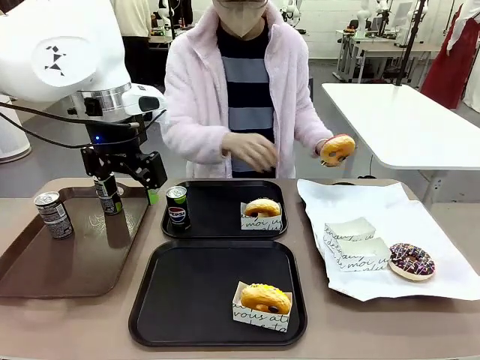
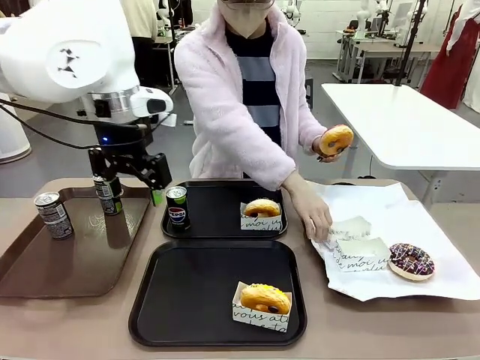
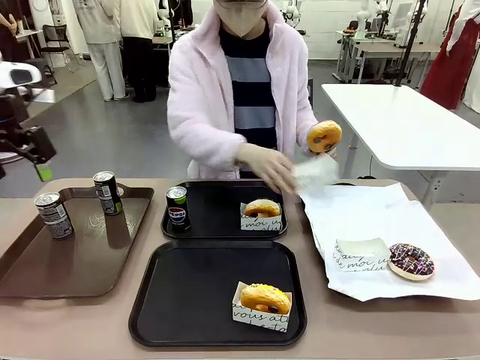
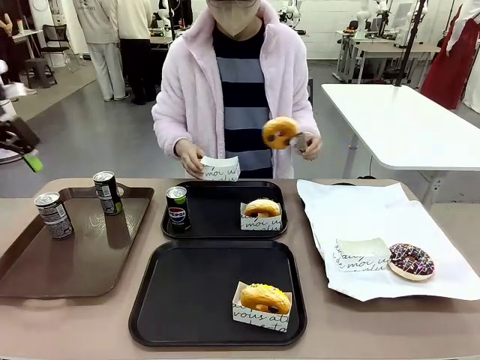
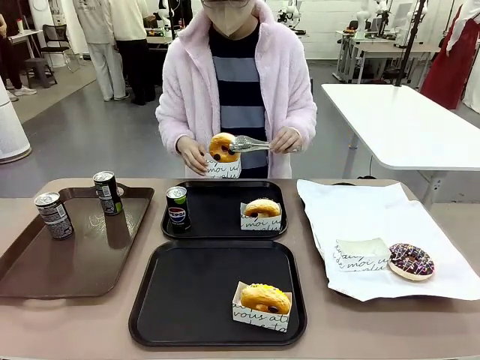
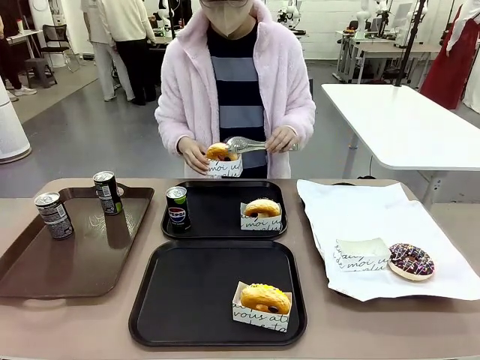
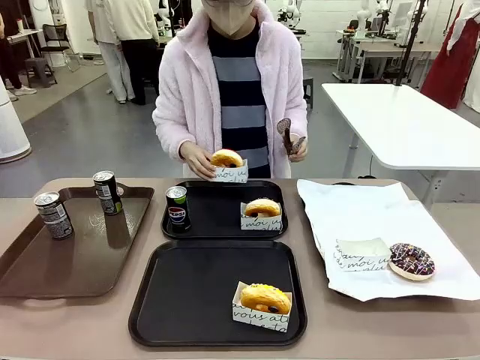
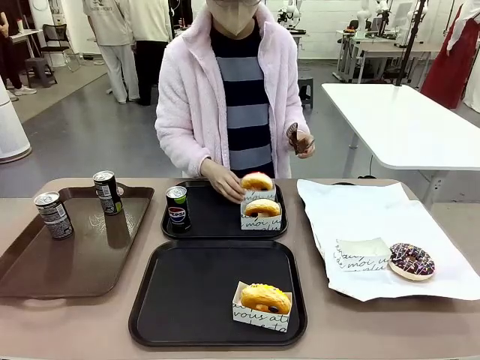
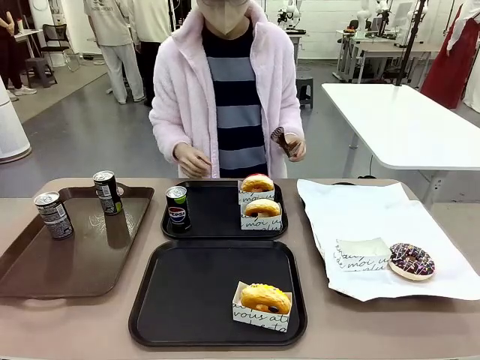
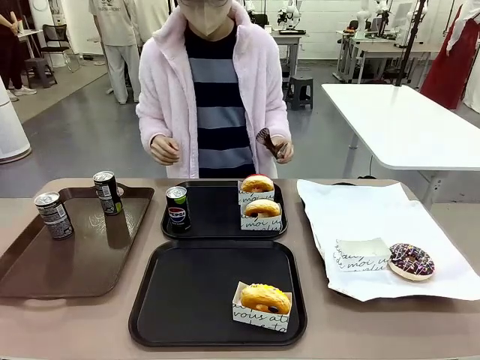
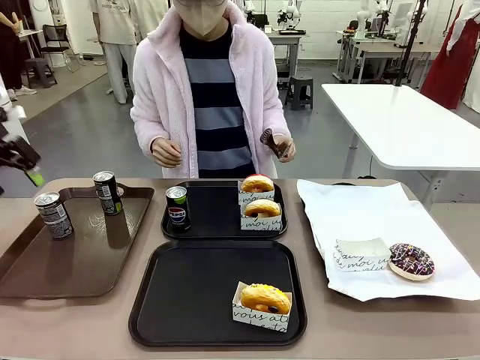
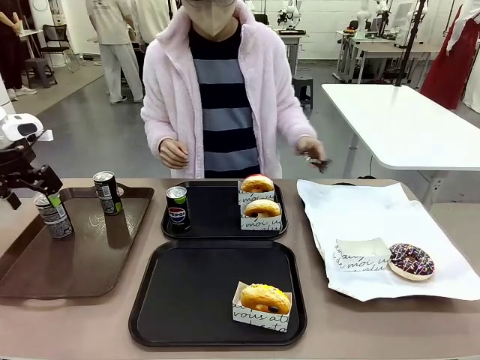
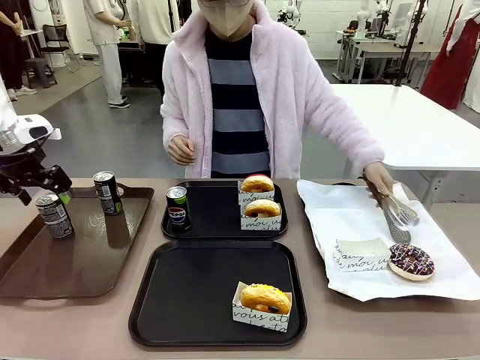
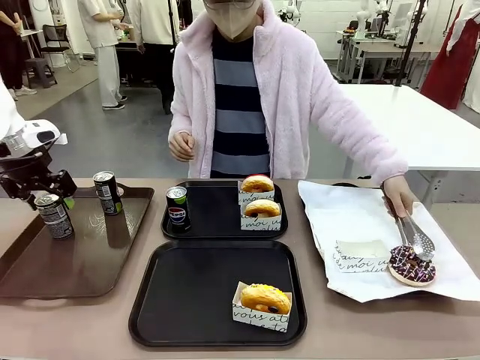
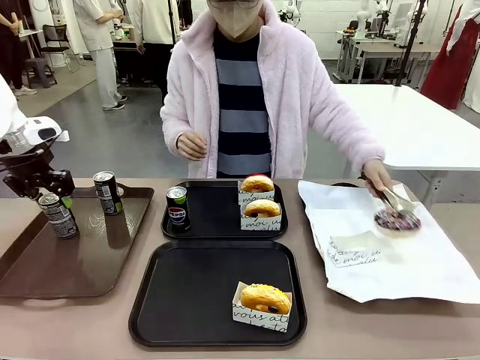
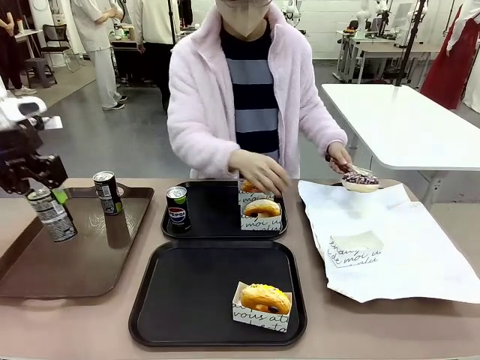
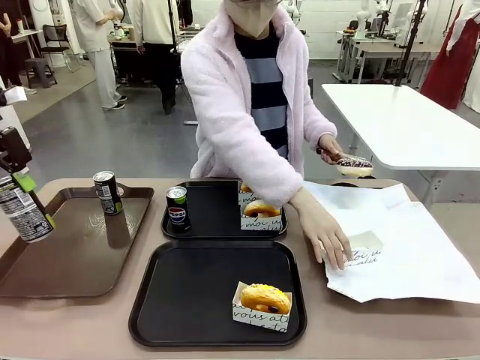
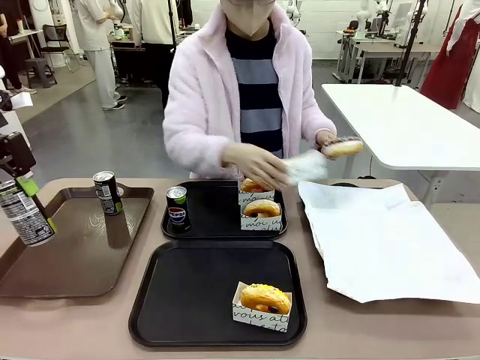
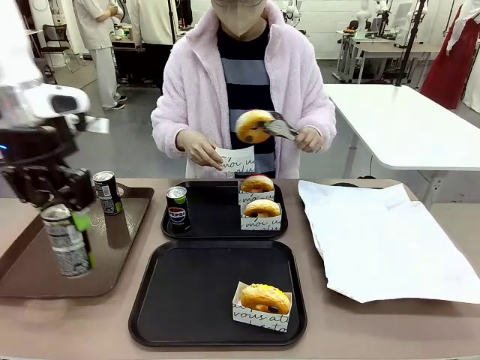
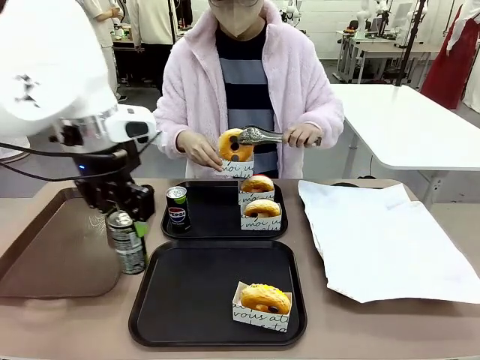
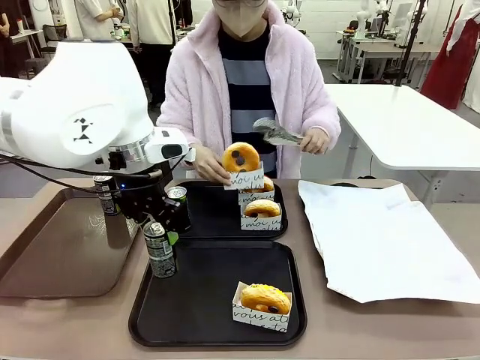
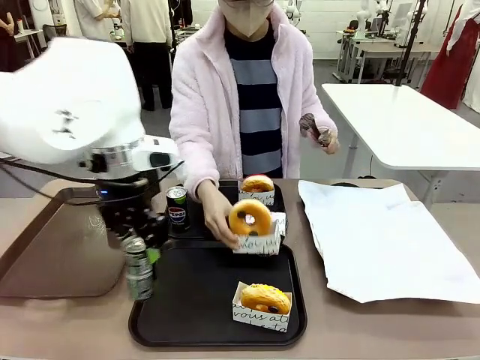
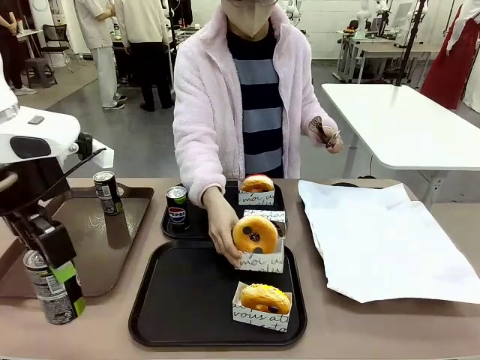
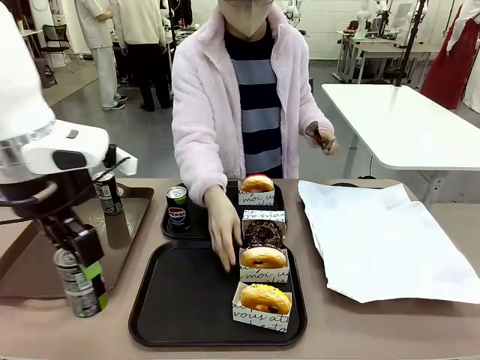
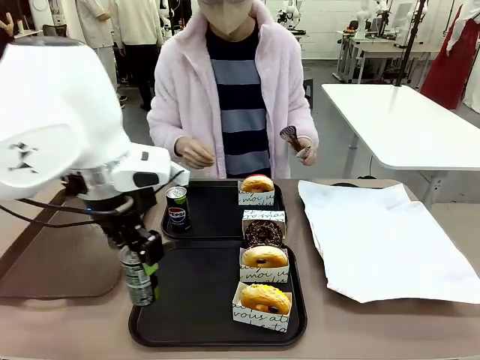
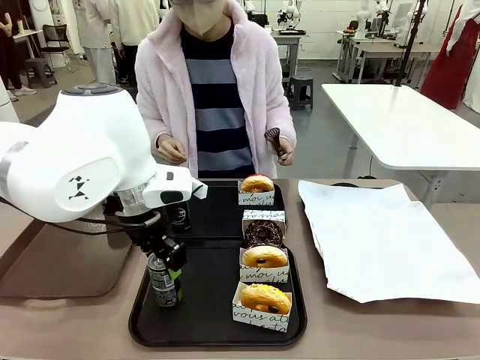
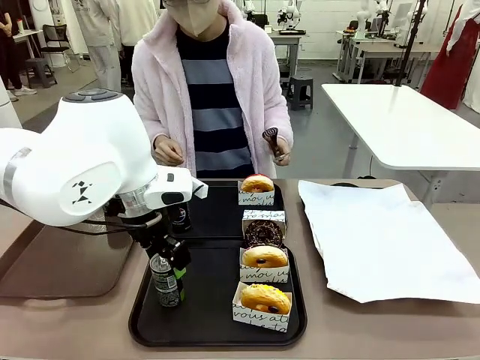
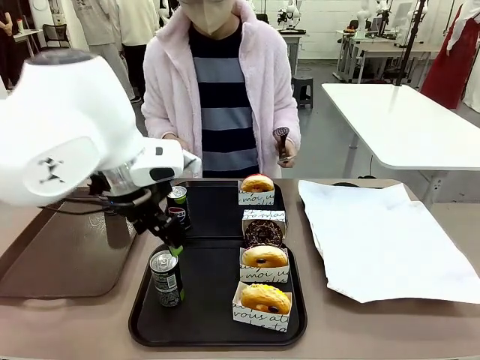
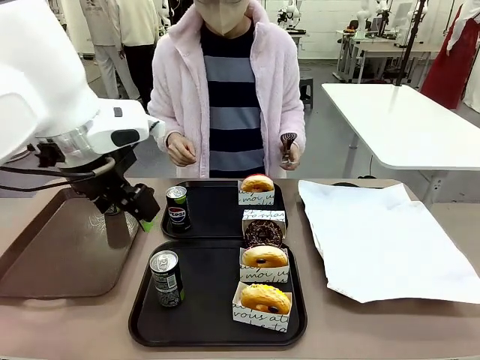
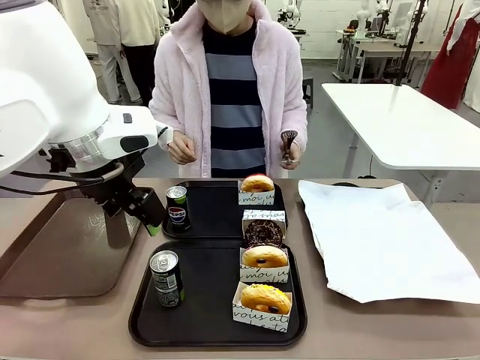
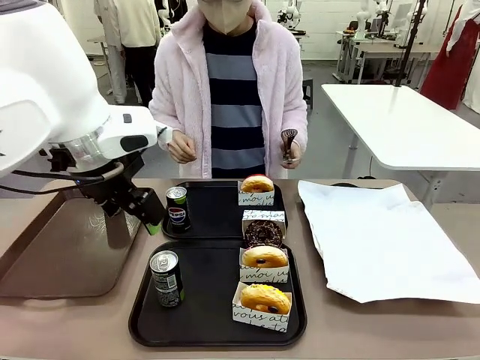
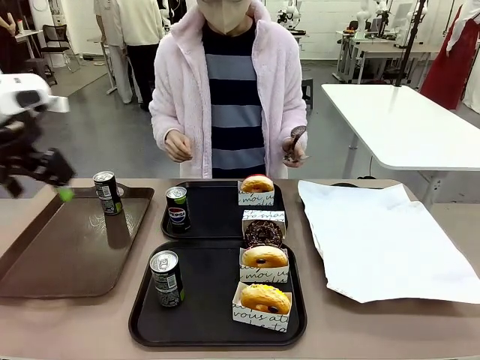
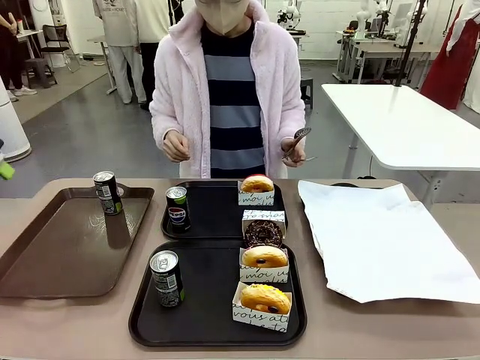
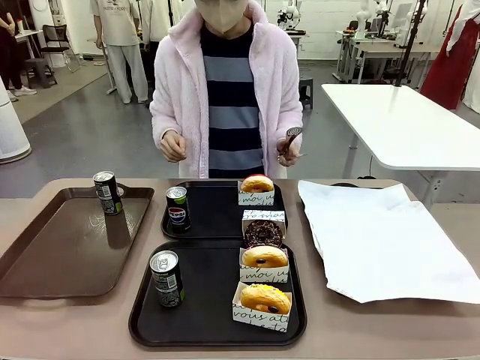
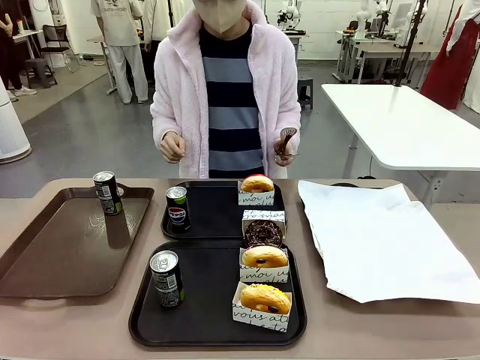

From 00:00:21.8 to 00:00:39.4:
Task: Set up donuts and drinks on trays.
Robot: Pick up one Pepsi coke from the Handle tray and place it on the Flat Tray without a Pepsi coke.

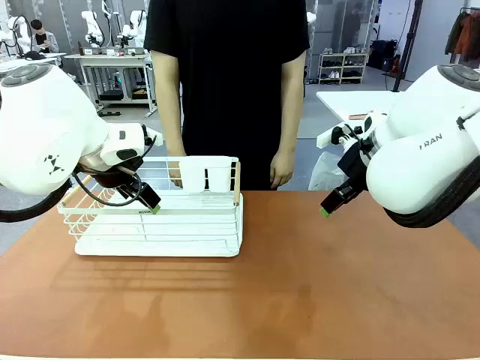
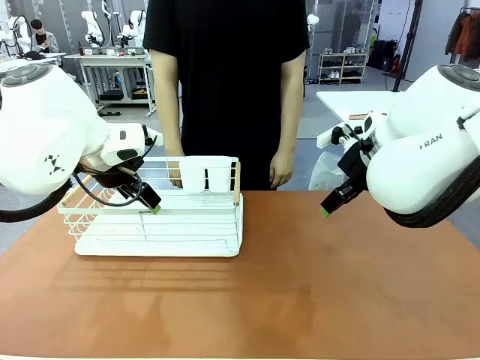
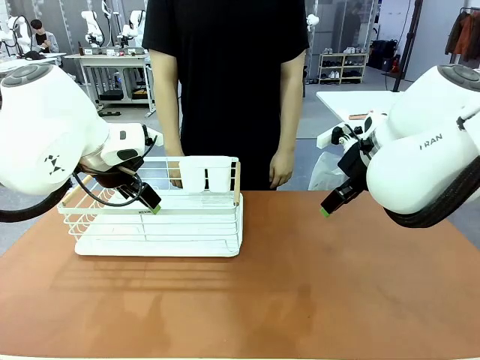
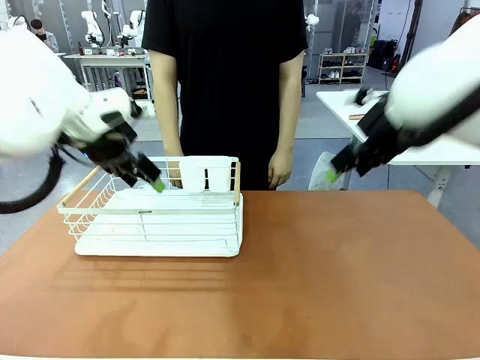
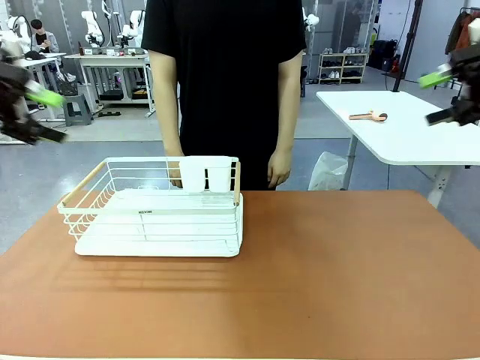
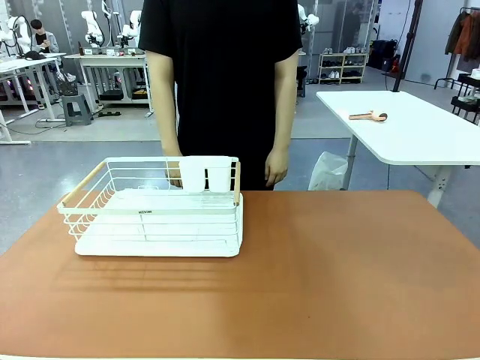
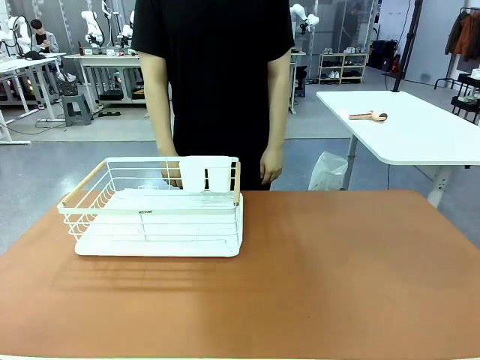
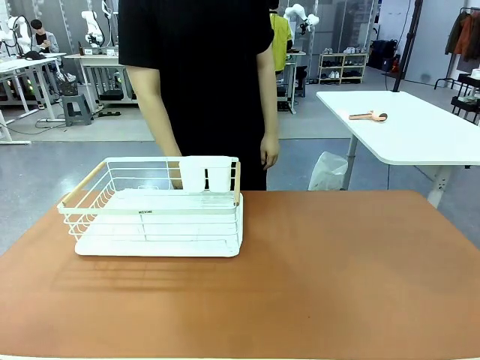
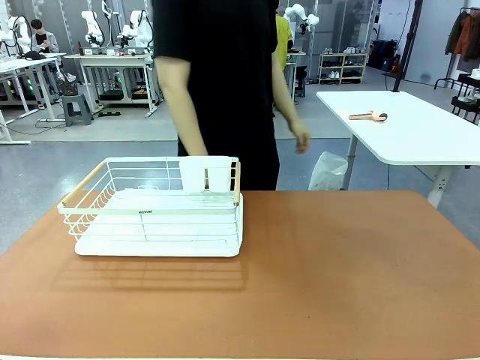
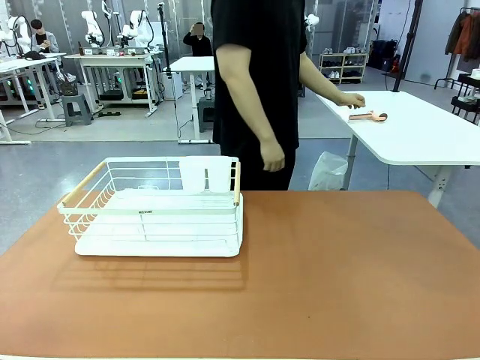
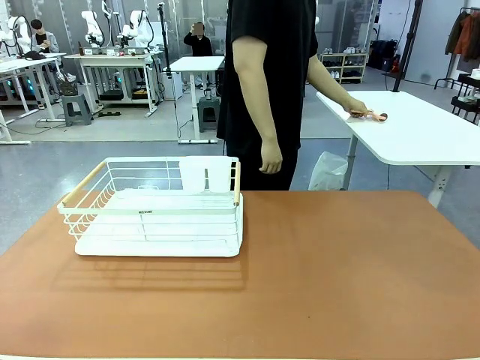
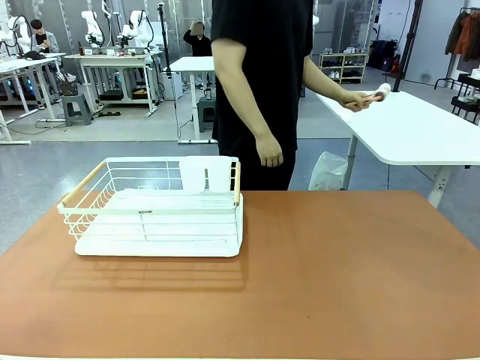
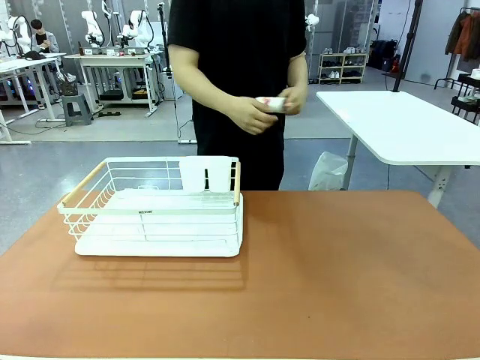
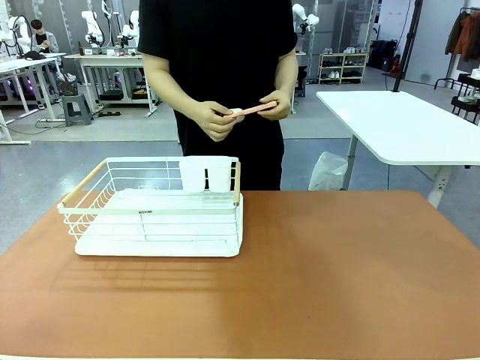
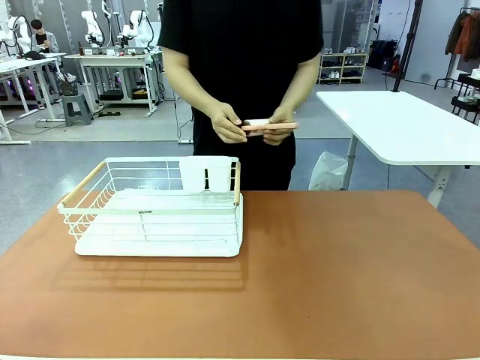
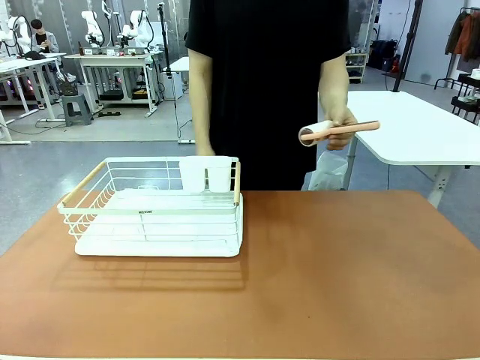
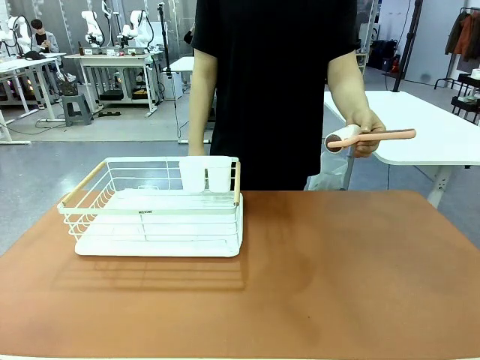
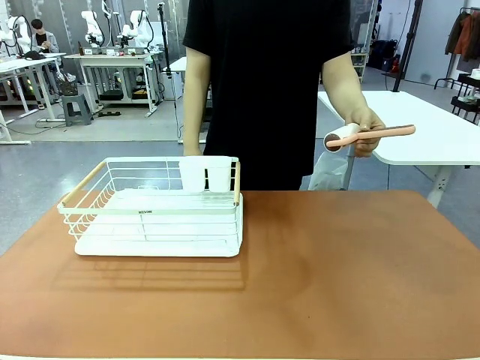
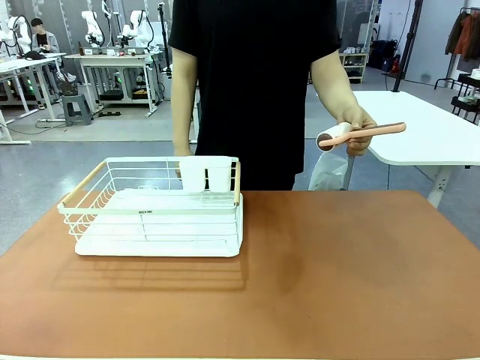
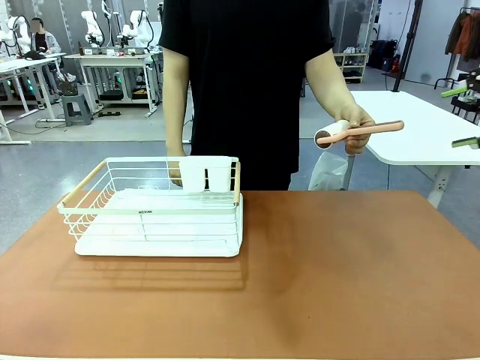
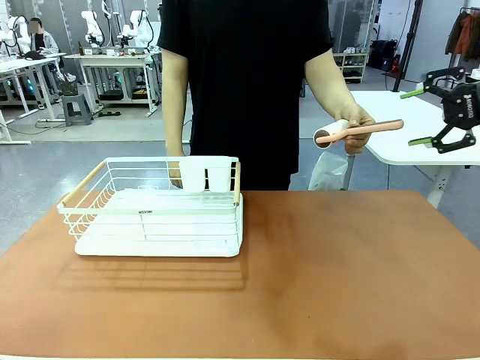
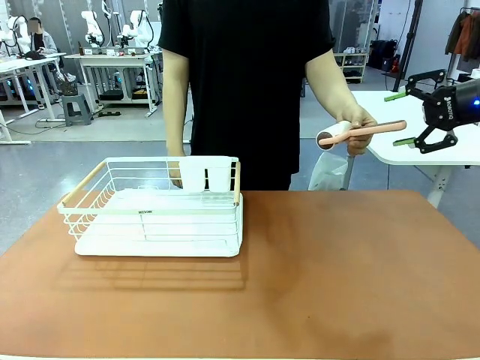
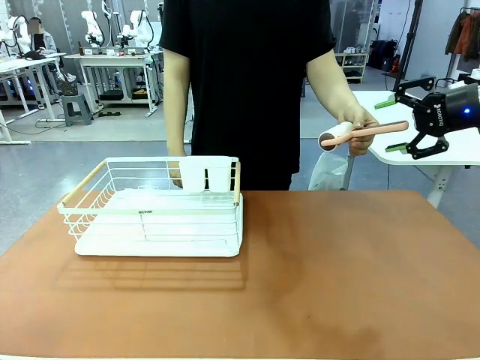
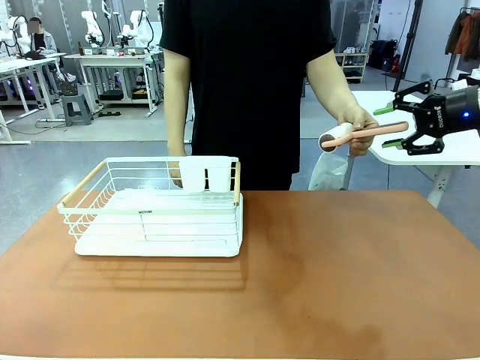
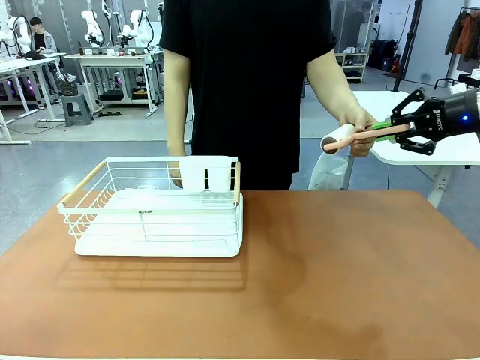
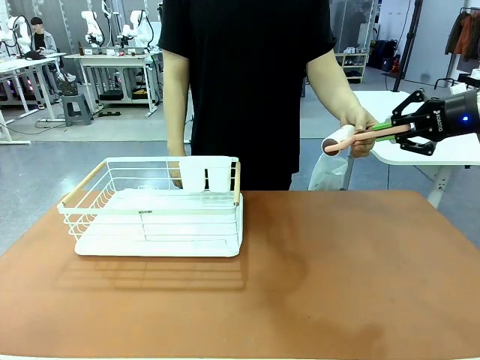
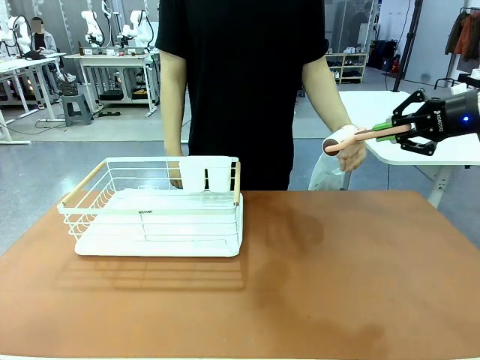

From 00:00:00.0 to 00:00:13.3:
Task: Clean the table.
Robot: Pick up the Lint Roller when the human hands it over.
Person: Hand the Lint Roller to the robot so it can easily pick it up. Lift the Dish drying rack.
